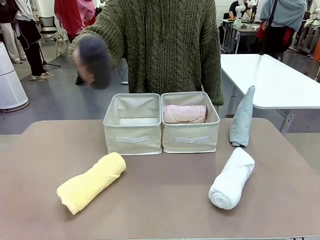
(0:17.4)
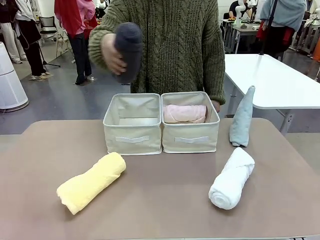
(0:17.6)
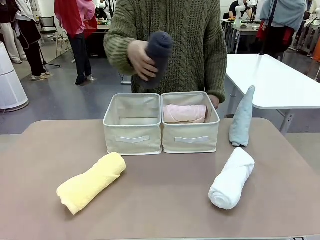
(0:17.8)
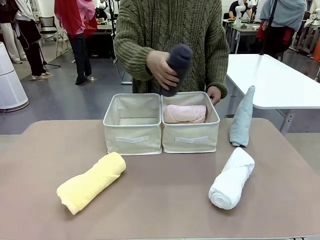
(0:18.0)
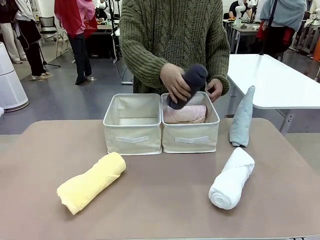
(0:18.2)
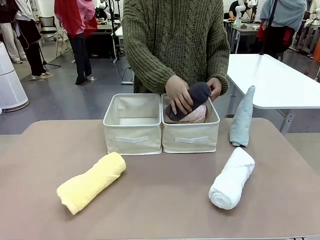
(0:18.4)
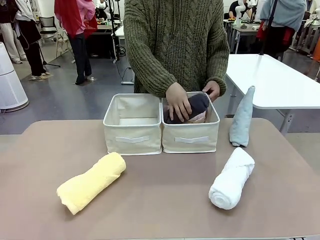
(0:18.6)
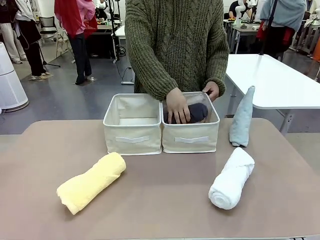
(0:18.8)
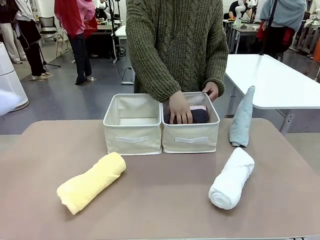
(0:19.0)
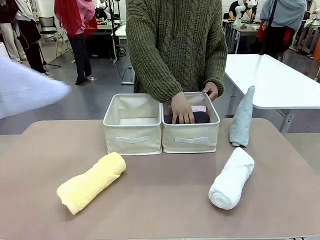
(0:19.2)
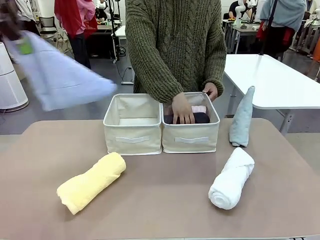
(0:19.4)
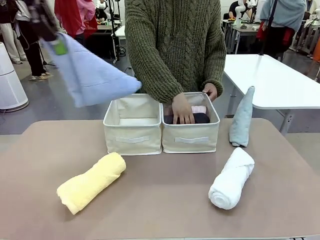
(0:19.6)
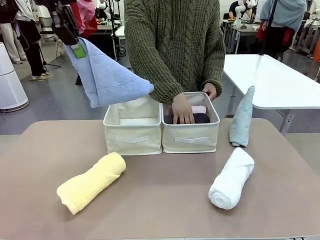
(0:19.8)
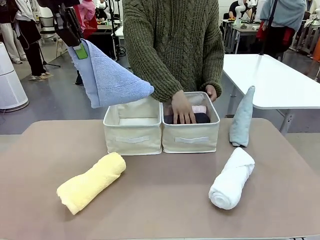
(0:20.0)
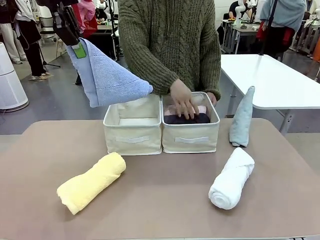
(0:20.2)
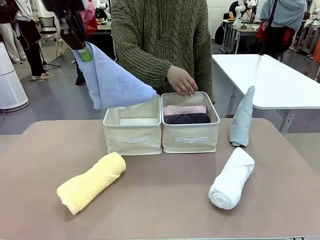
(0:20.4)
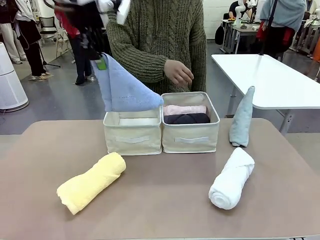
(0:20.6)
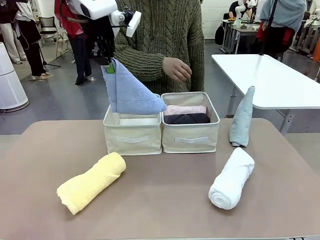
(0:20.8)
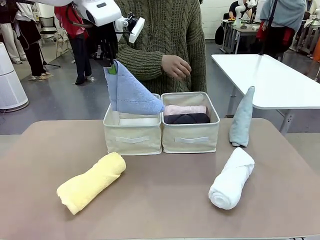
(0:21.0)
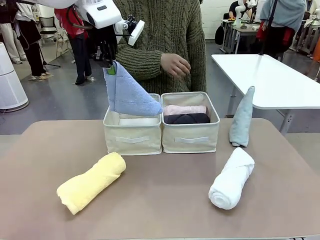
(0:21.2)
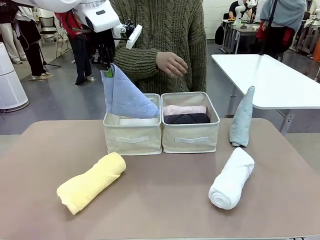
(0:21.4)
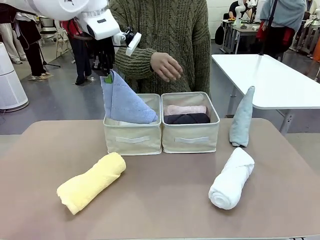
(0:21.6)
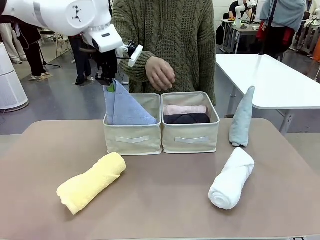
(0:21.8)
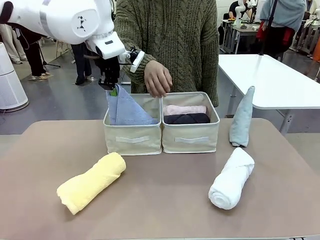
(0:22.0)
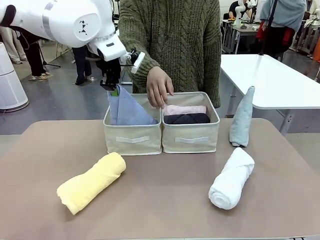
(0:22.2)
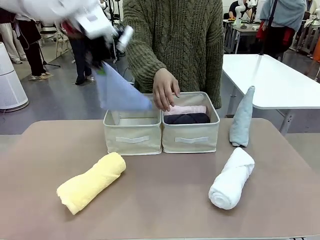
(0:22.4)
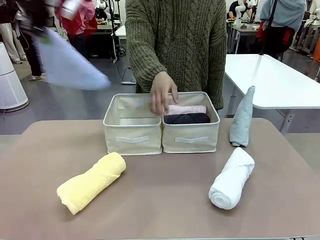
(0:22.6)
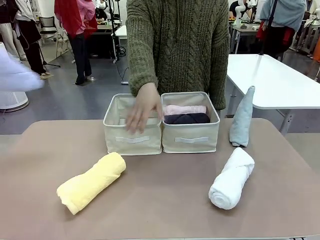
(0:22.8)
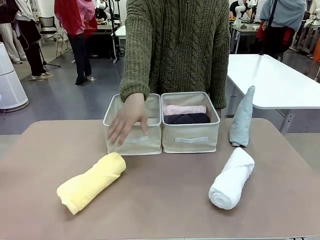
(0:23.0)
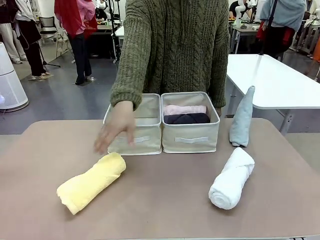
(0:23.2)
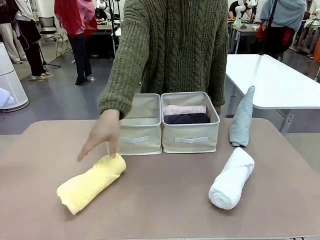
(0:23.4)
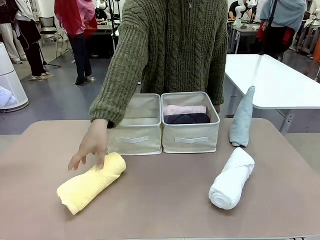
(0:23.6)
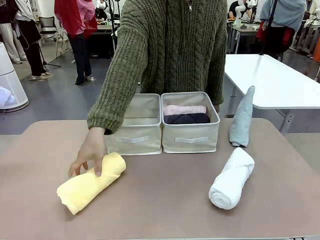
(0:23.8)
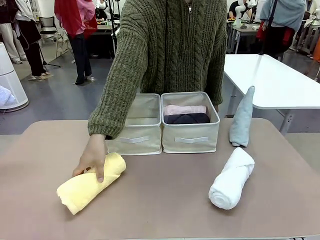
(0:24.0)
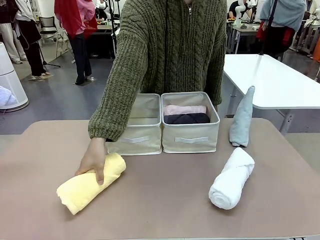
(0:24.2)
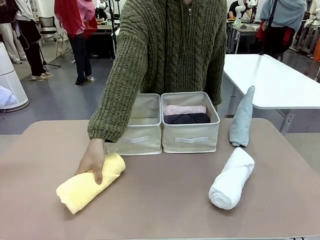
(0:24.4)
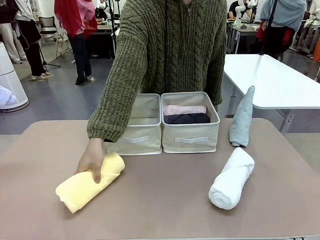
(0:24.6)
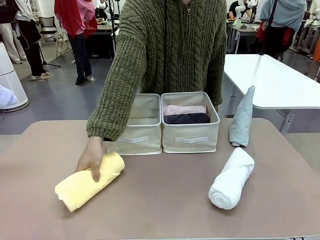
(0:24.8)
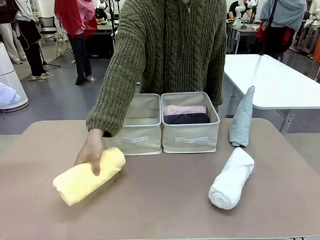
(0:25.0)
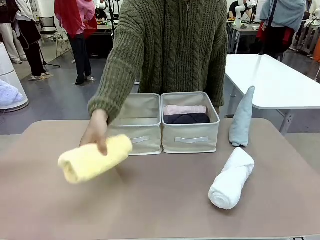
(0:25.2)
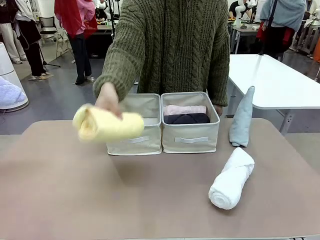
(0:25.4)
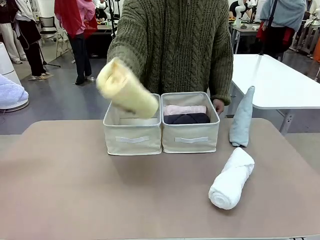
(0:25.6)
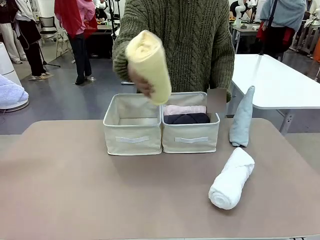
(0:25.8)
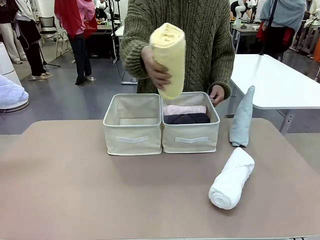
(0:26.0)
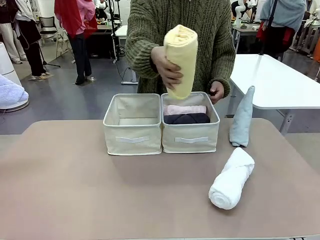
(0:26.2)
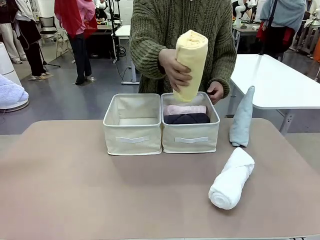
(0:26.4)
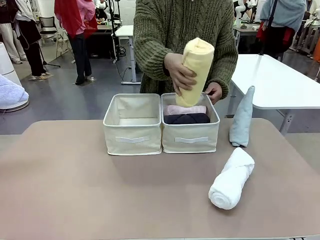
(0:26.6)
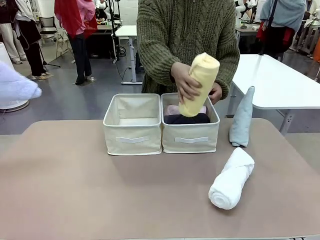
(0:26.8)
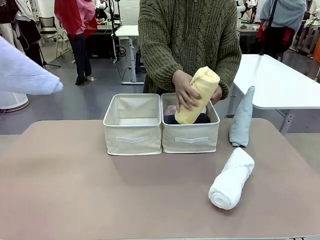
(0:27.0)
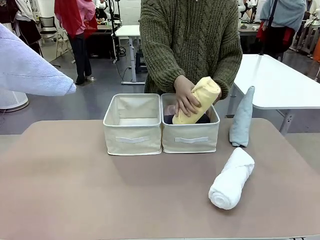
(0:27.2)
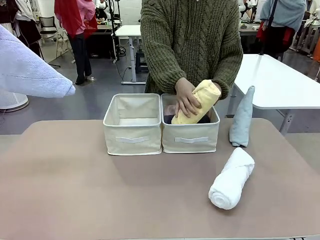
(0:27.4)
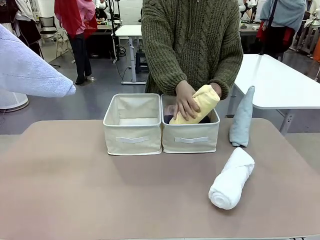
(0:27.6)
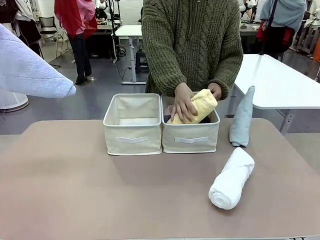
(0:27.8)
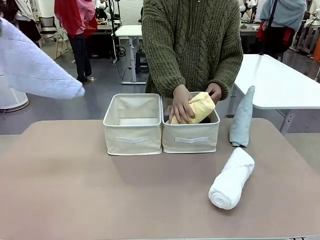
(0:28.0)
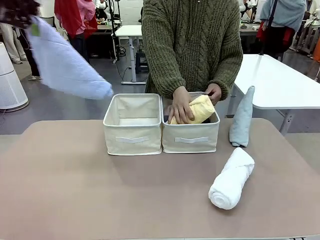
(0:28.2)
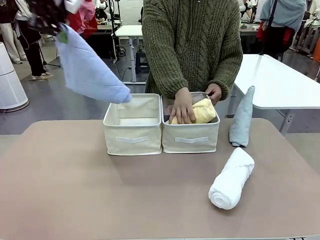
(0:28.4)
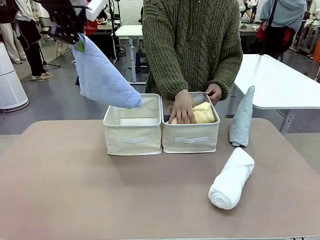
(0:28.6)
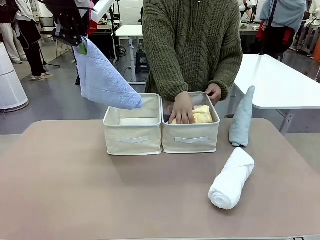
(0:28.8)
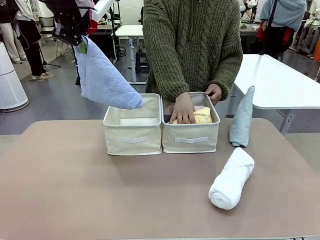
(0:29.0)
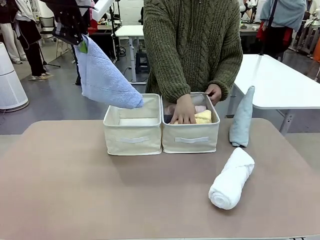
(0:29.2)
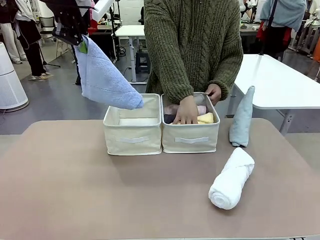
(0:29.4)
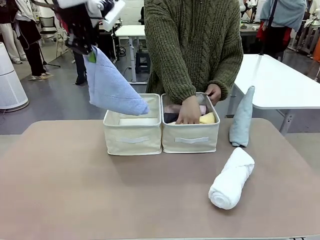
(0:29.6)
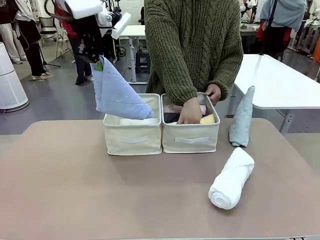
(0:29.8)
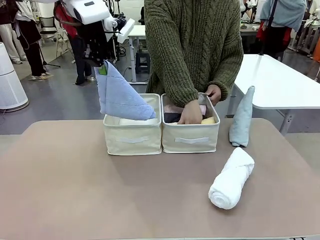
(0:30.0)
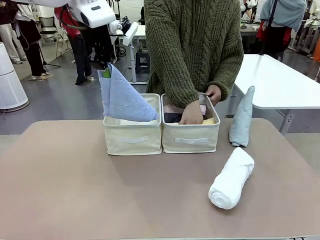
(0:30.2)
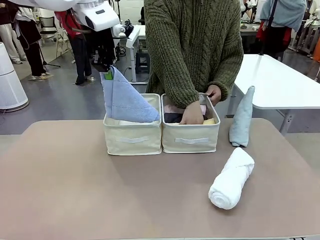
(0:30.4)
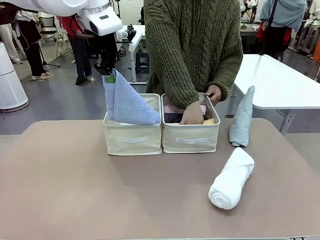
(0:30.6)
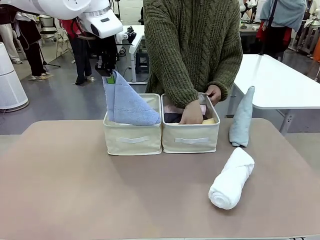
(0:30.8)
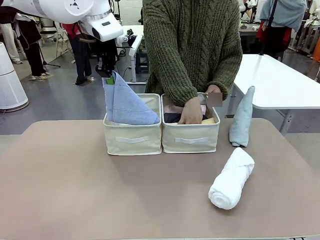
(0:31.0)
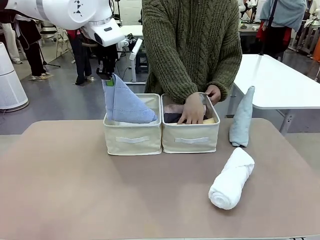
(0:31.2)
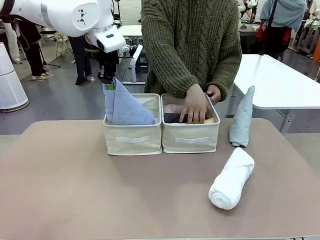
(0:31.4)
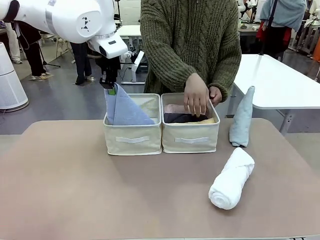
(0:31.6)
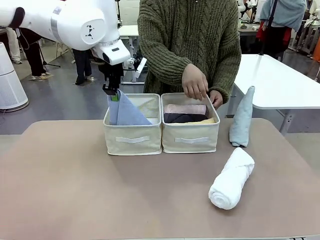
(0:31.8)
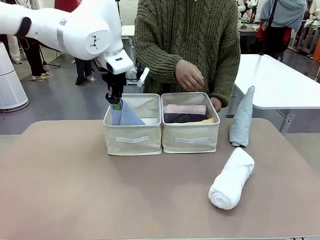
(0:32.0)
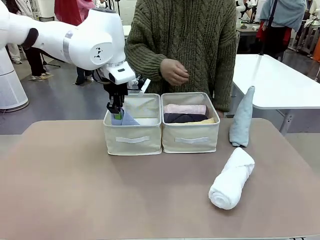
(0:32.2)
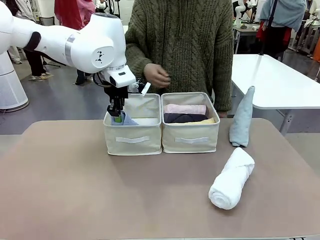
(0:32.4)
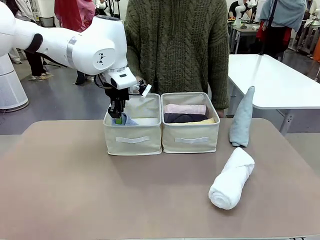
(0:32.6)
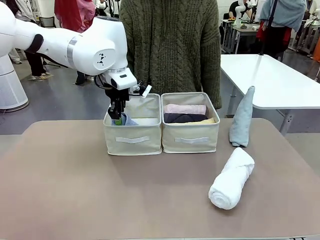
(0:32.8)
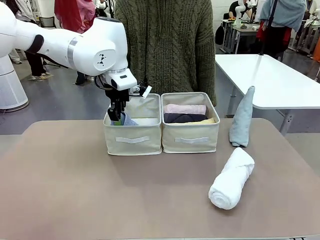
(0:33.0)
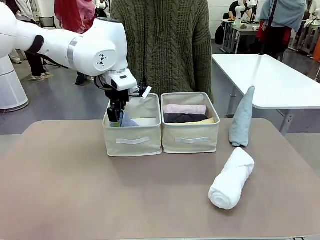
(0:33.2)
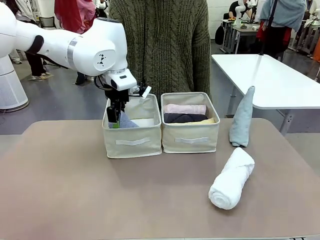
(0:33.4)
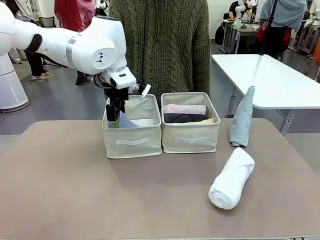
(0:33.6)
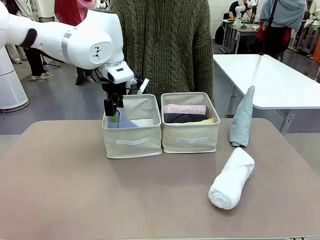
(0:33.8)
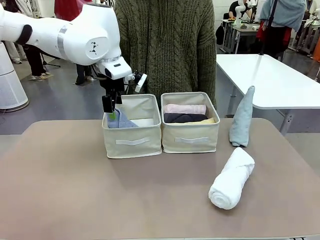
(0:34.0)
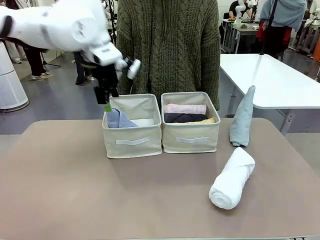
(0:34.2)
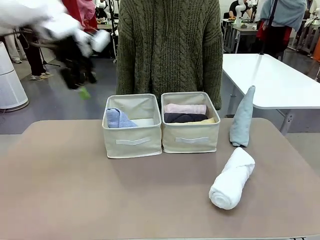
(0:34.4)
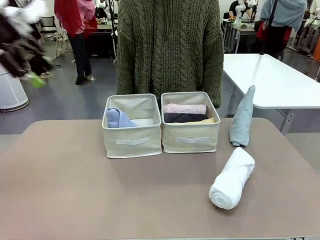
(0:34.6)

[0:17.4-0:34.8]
Task: Sort the towels based on their folding style.
Robot: Pick up one triangle-folded towel and place it in the left Fabric basket.
